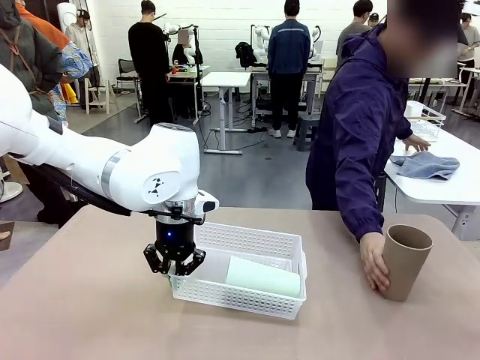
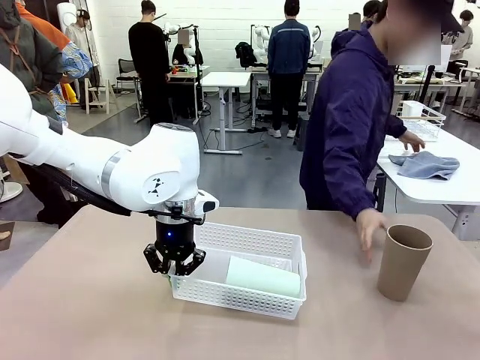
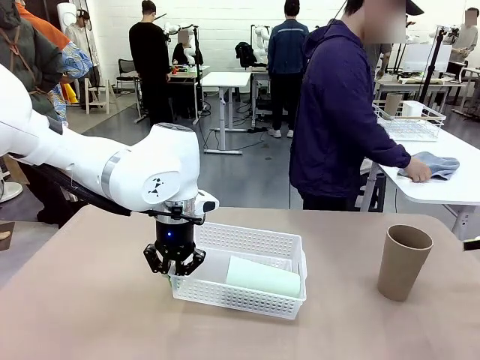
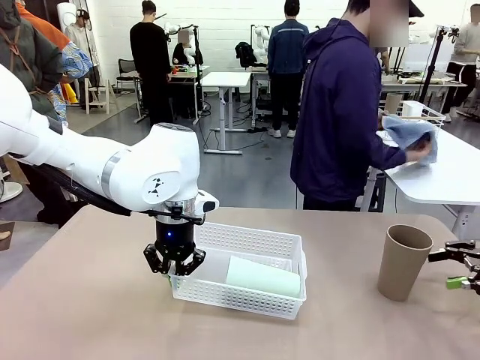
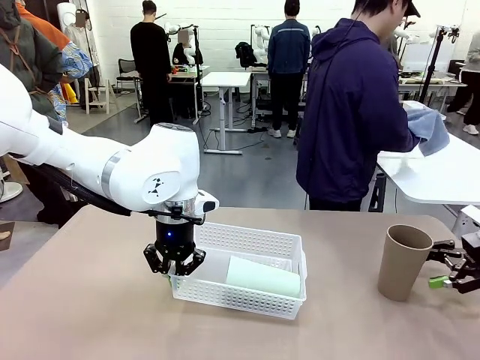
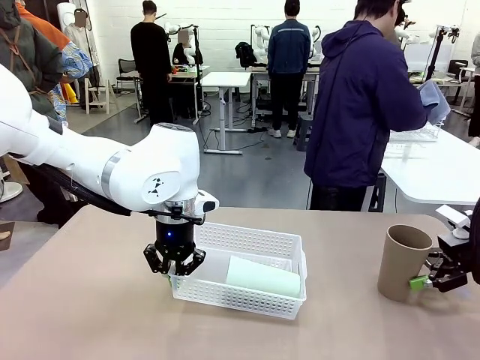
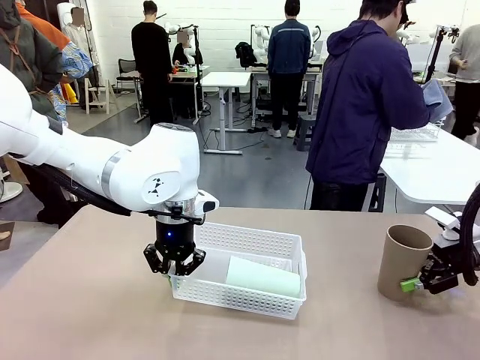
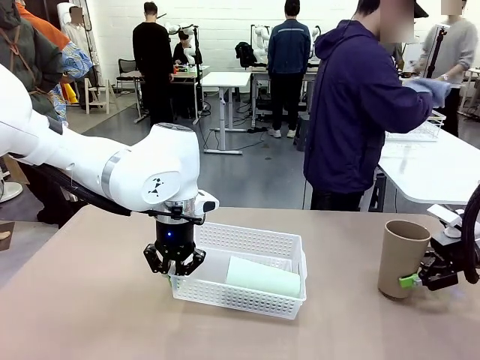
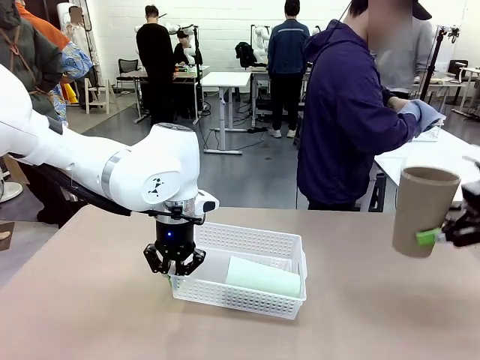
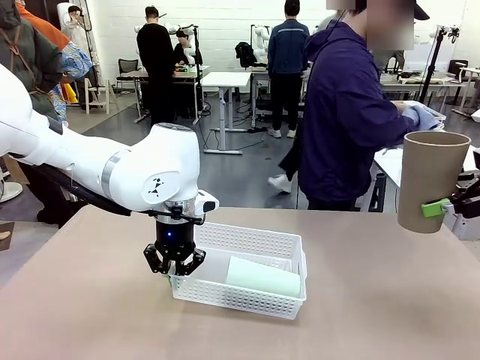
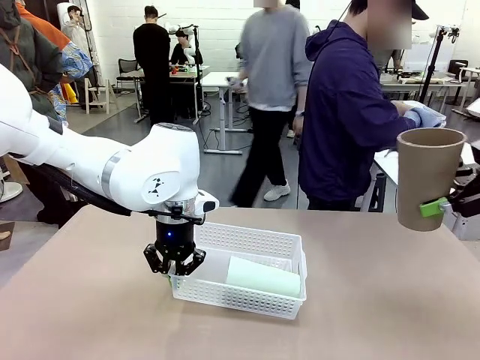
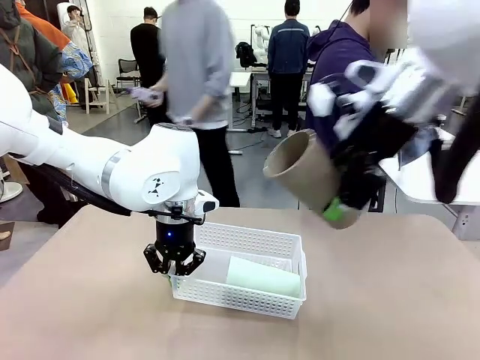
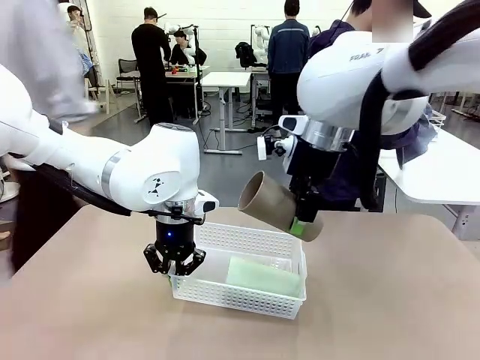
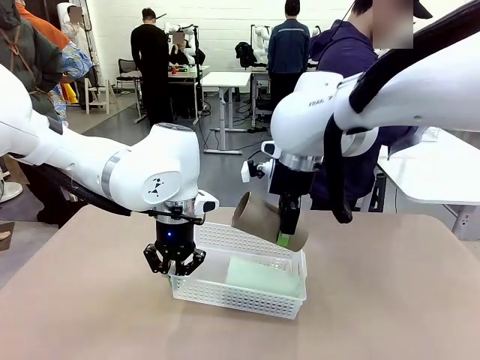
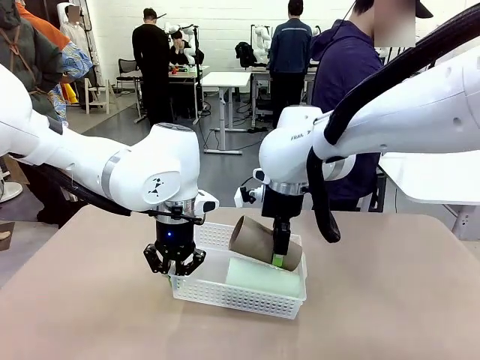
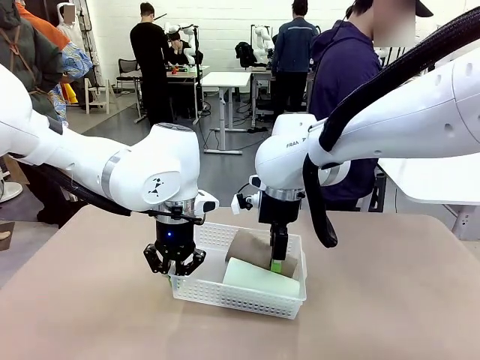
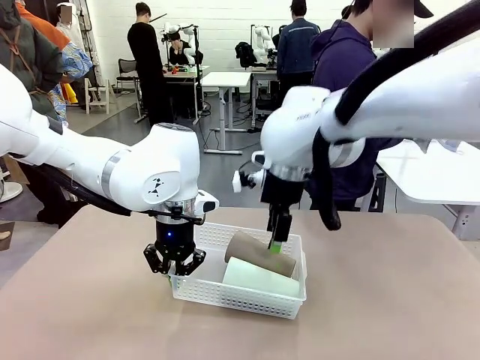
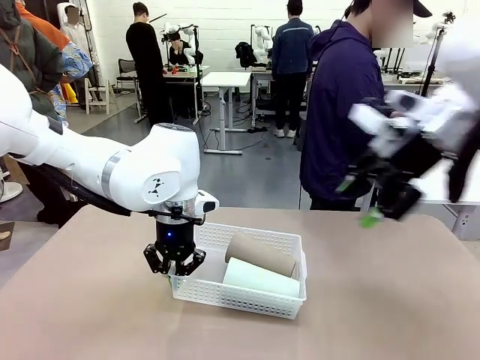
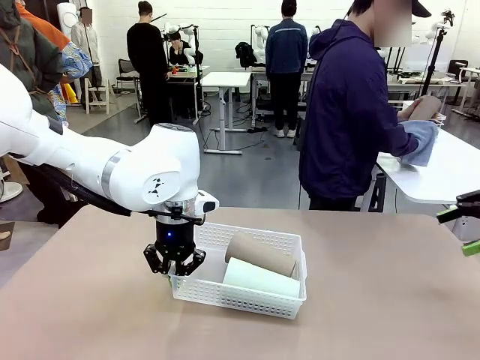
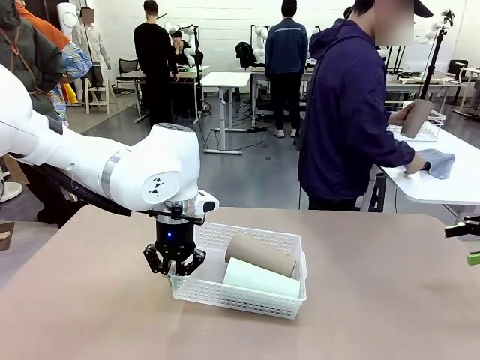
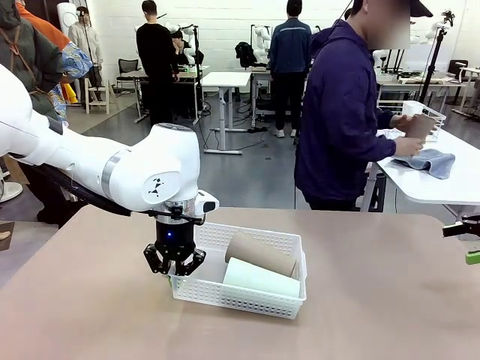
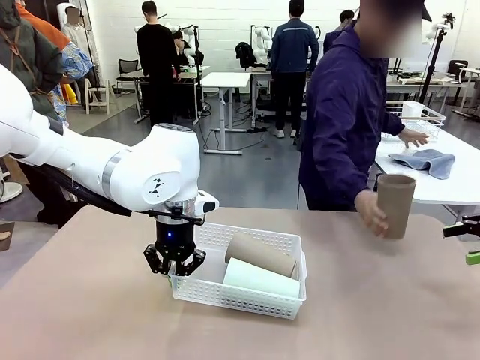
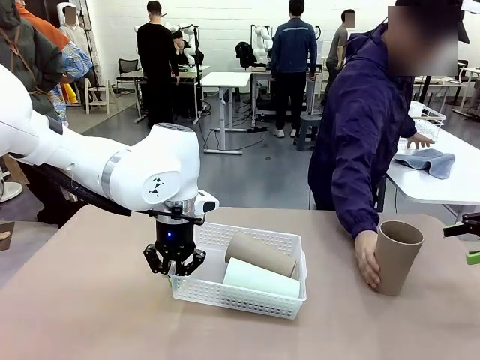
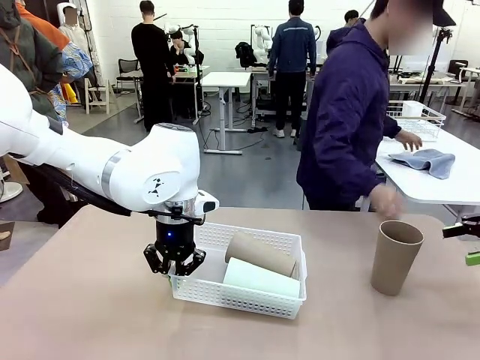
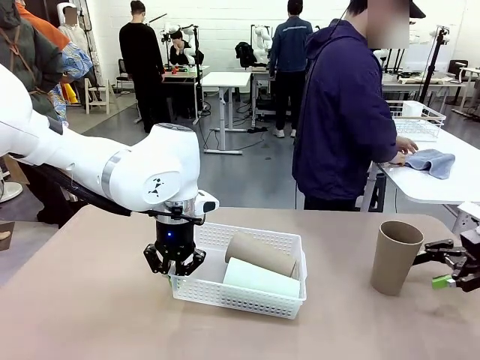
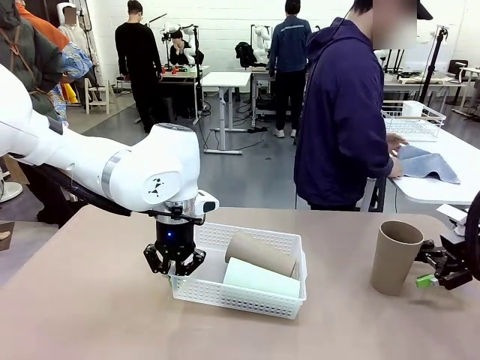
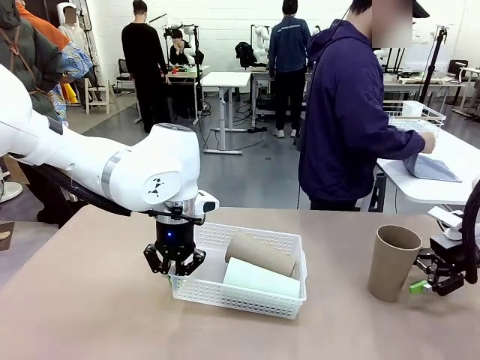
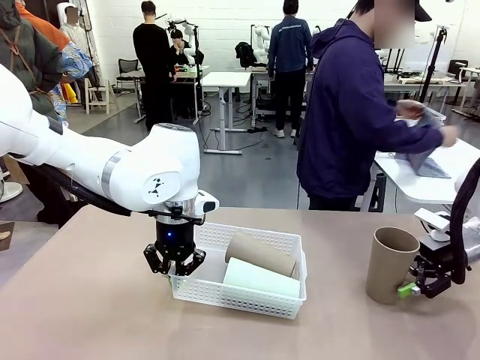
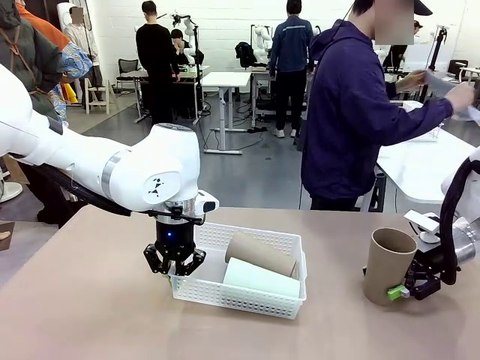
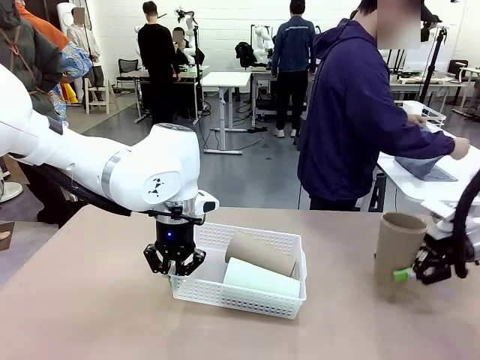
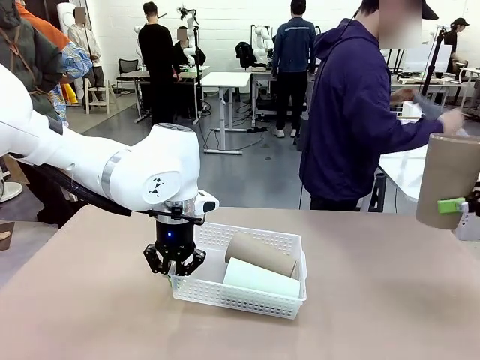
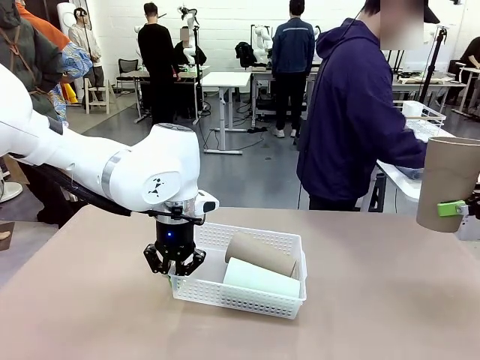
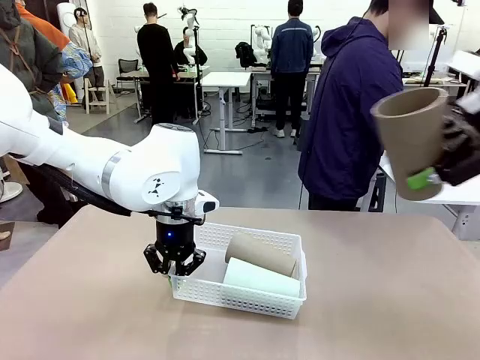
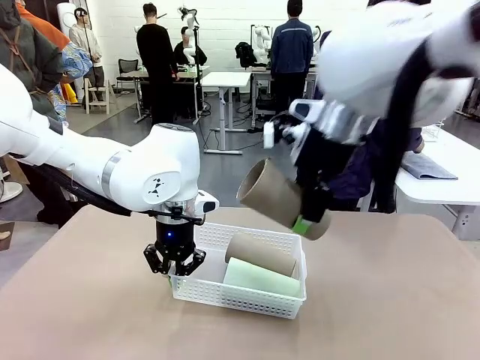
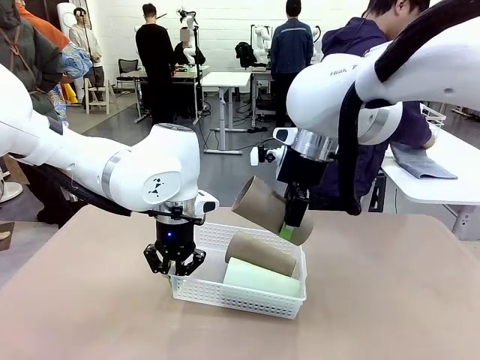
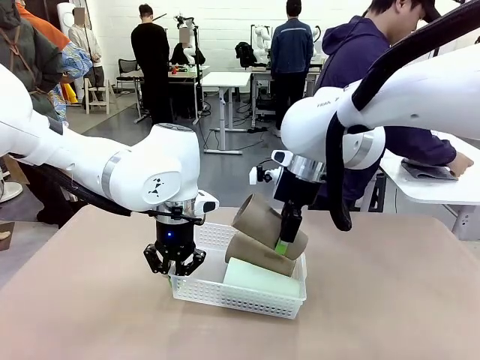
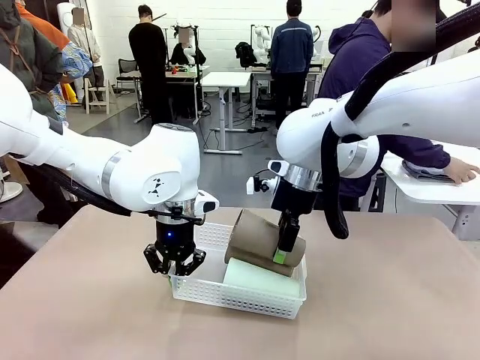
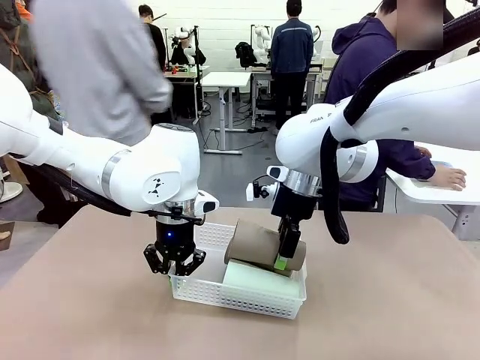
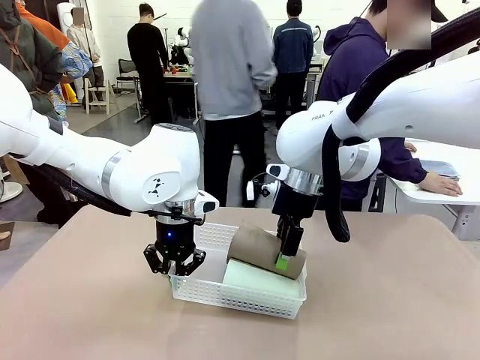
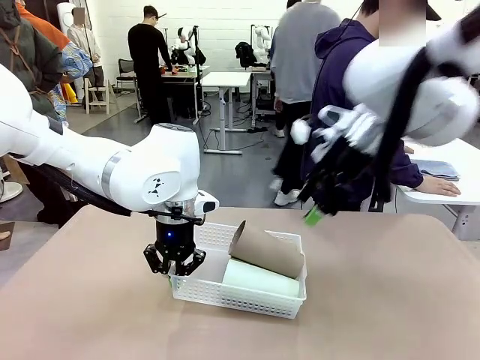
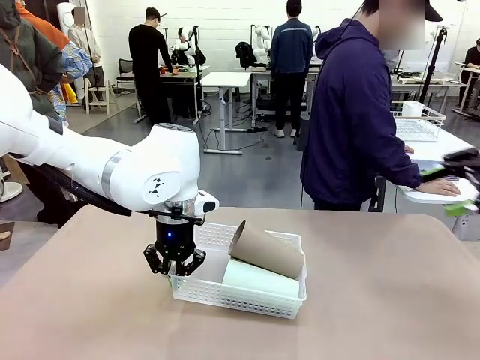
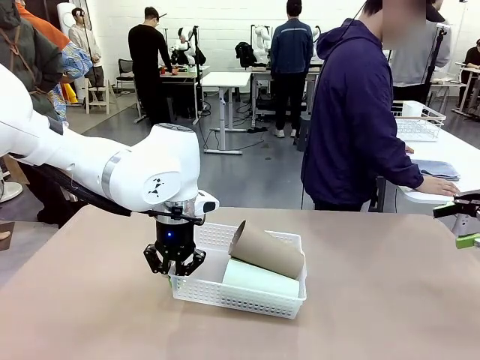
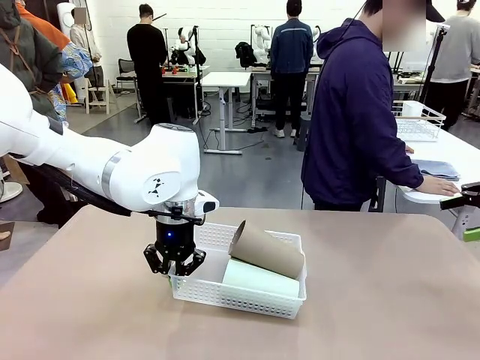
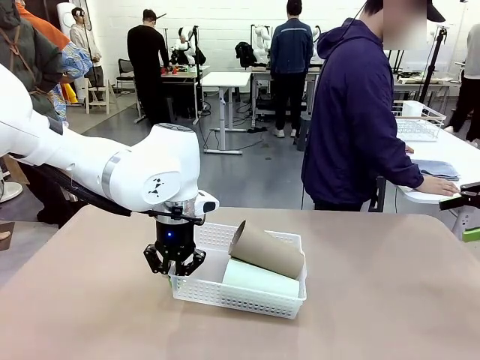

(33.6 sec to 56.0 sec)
Task: Clean and organize the cups into the basket.
Robot: Pick up the Reusable plastic cup from the right side of the table and stack it inside the Organizing basket in the center of the table.
Person: Folds the towel in half twice and places it in the right of the table.

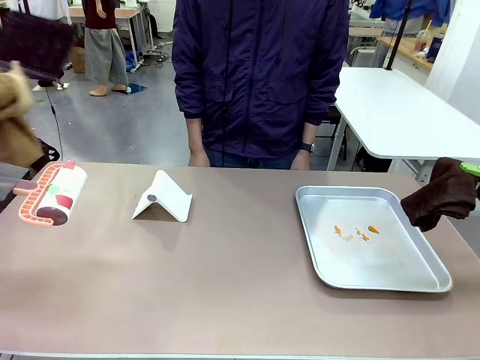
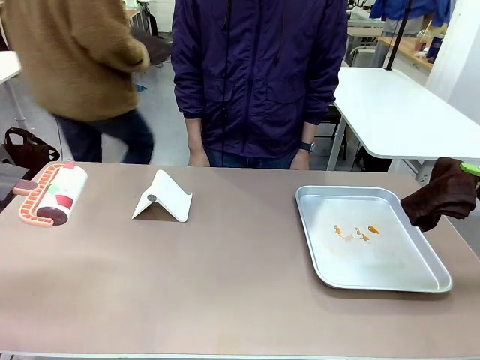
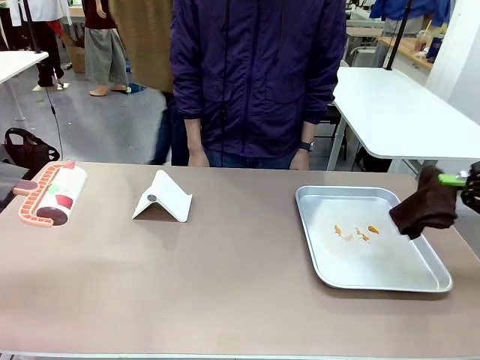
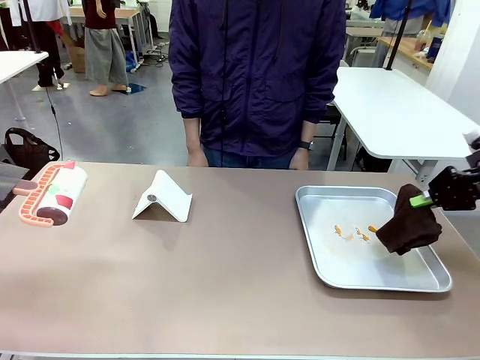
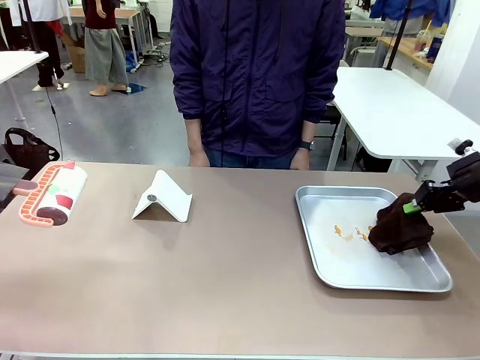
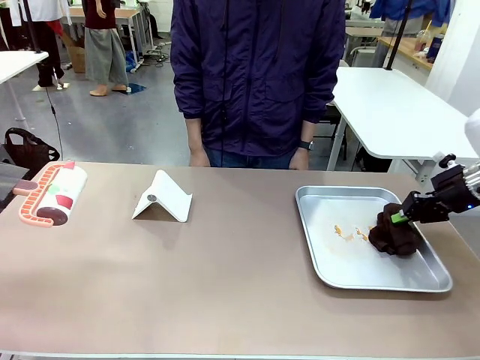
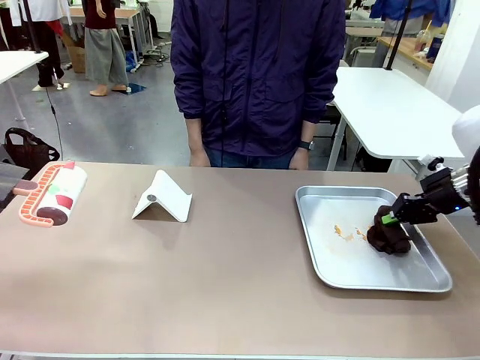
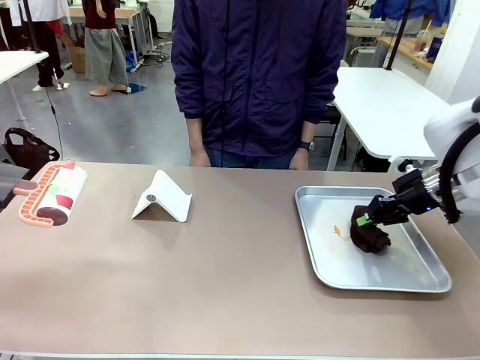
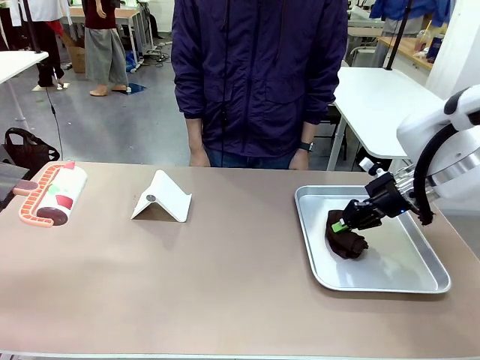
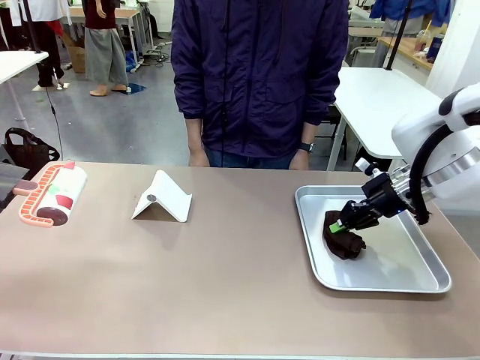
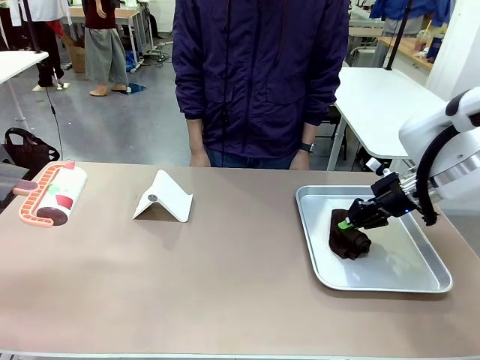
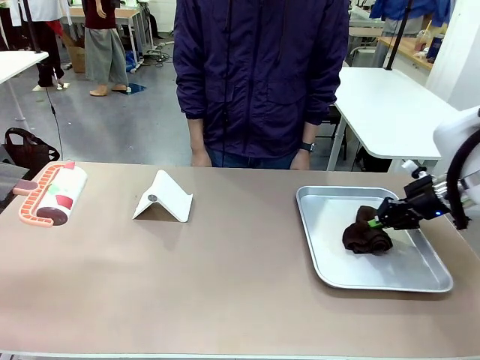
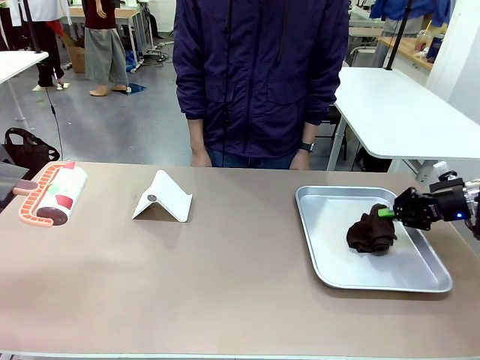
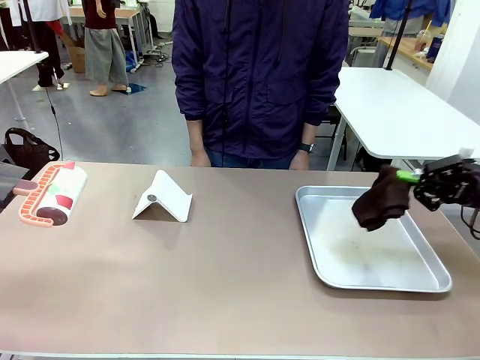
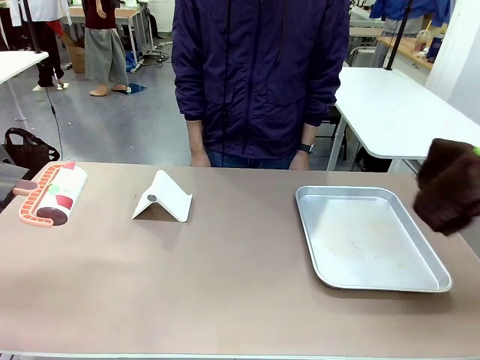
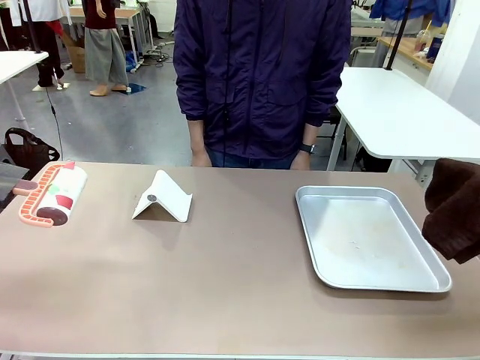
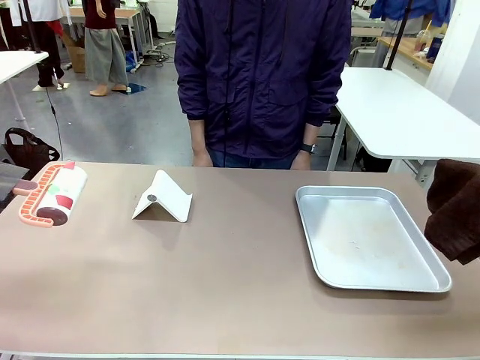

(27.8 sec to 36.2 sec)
Task: Clean the surface of the table.
Robot: Clean the area not pointed to by the person.
